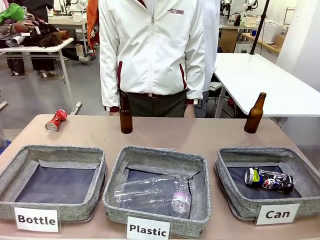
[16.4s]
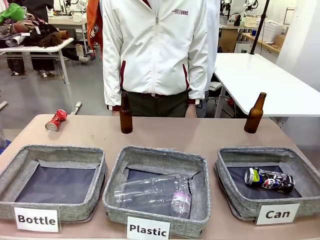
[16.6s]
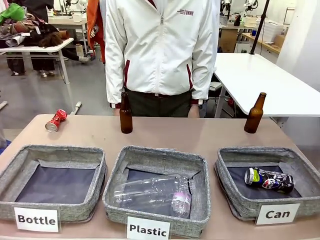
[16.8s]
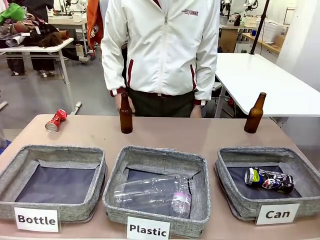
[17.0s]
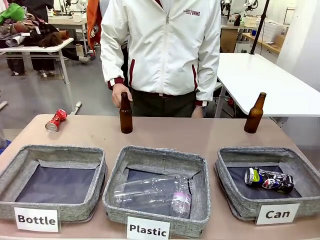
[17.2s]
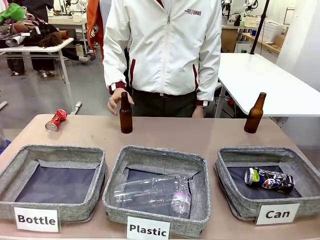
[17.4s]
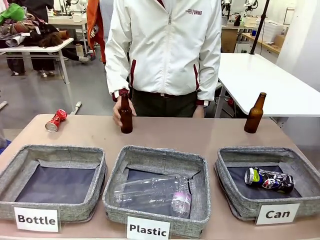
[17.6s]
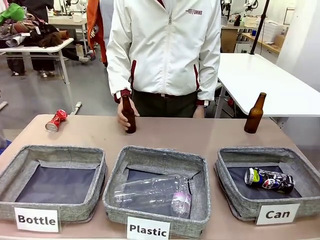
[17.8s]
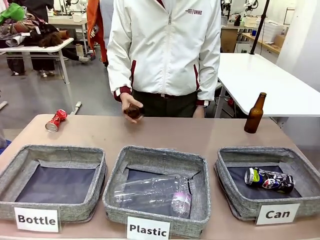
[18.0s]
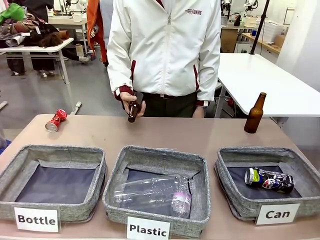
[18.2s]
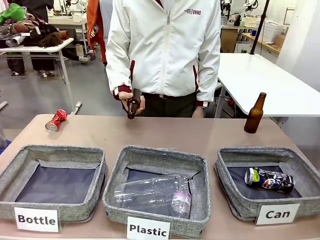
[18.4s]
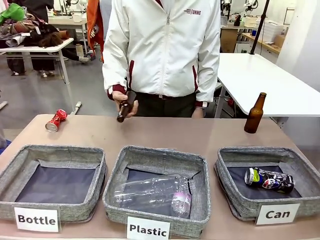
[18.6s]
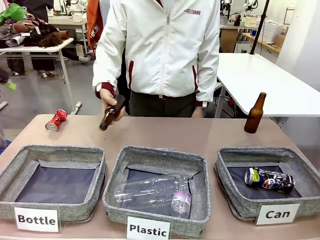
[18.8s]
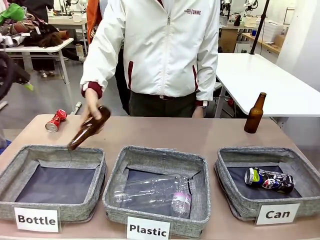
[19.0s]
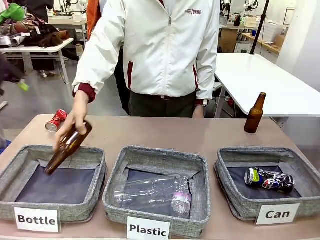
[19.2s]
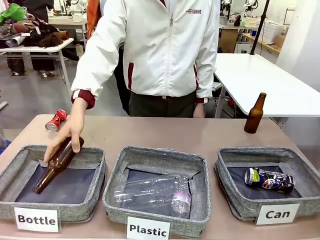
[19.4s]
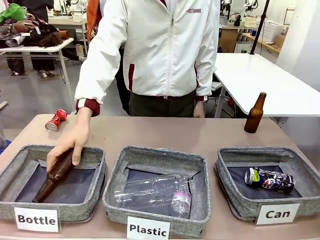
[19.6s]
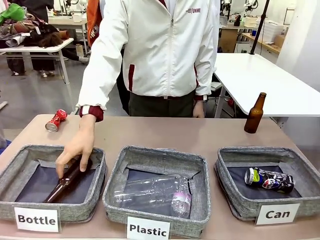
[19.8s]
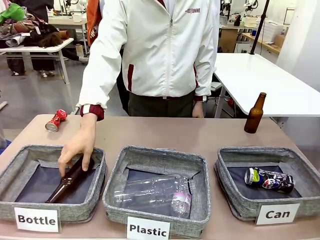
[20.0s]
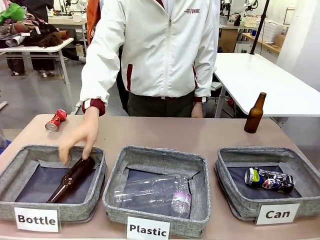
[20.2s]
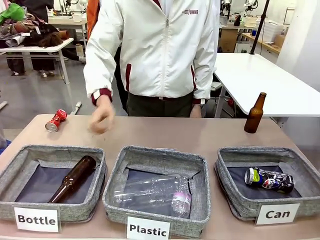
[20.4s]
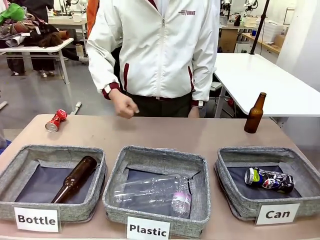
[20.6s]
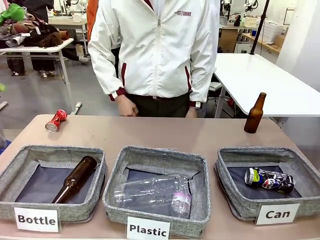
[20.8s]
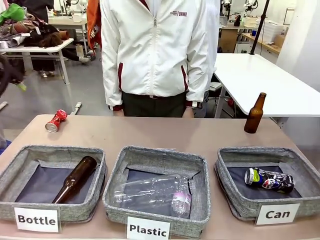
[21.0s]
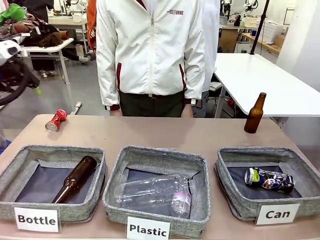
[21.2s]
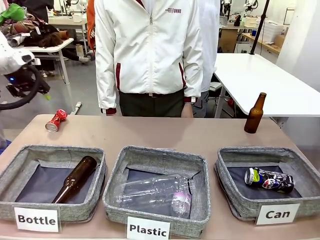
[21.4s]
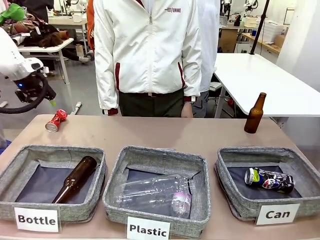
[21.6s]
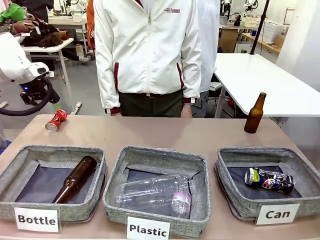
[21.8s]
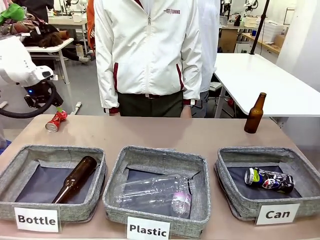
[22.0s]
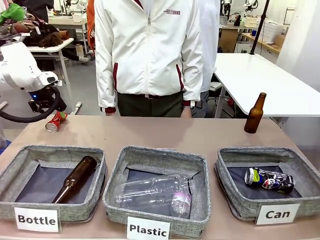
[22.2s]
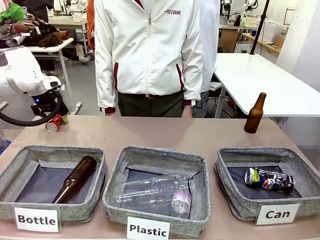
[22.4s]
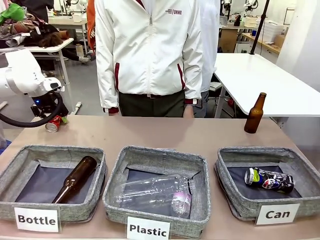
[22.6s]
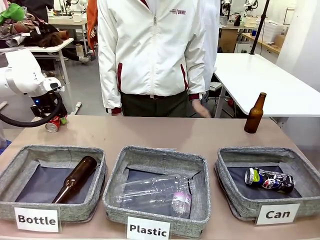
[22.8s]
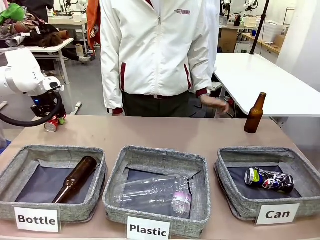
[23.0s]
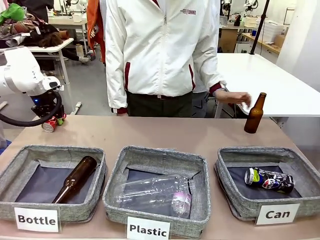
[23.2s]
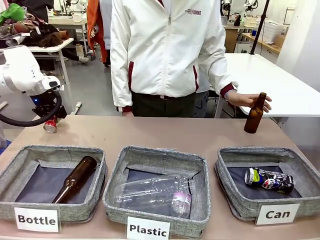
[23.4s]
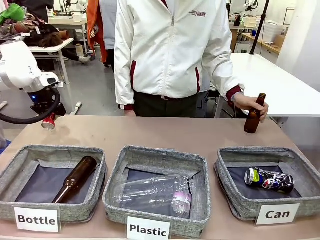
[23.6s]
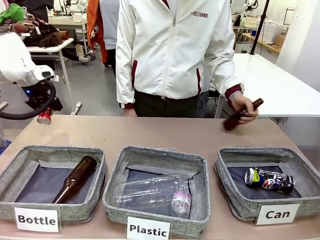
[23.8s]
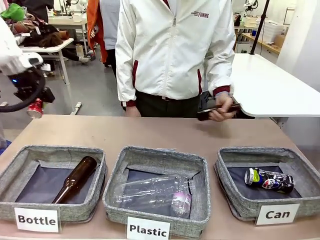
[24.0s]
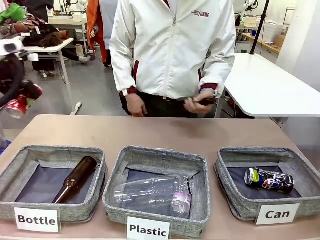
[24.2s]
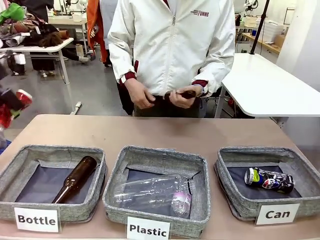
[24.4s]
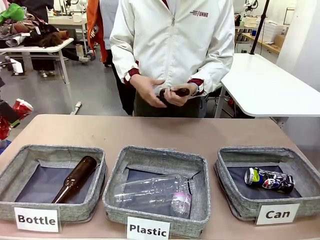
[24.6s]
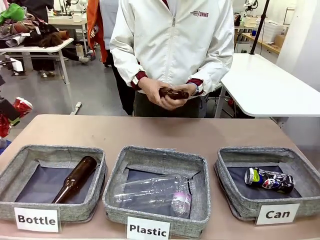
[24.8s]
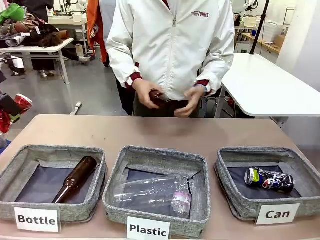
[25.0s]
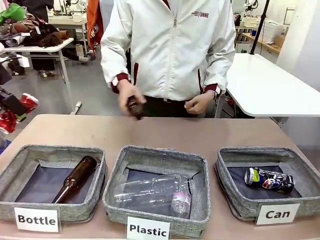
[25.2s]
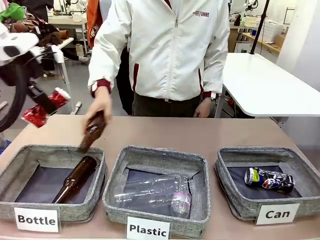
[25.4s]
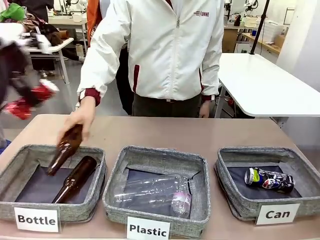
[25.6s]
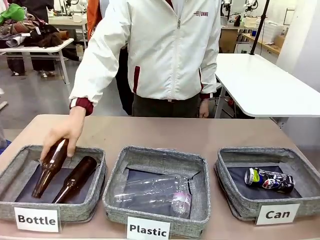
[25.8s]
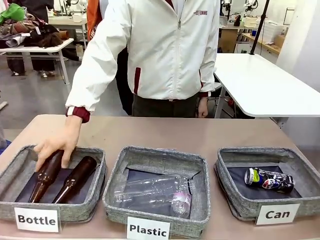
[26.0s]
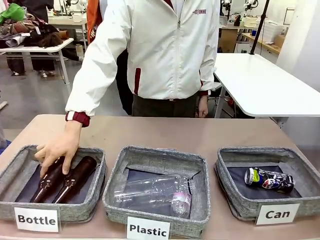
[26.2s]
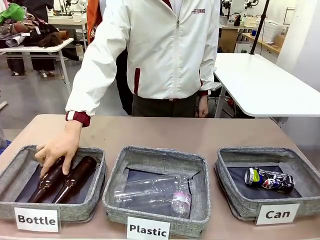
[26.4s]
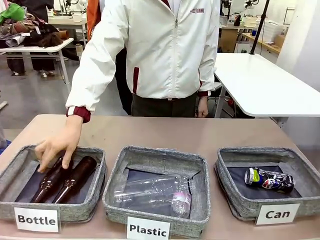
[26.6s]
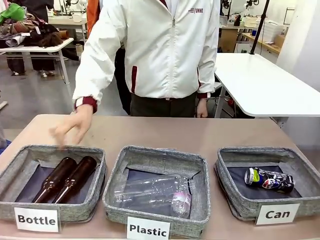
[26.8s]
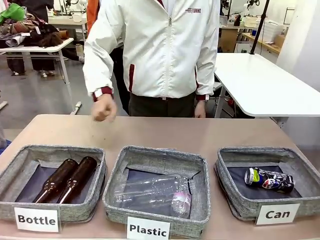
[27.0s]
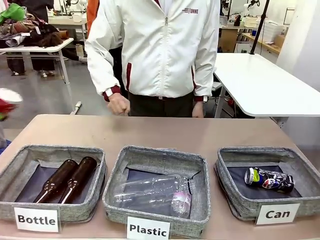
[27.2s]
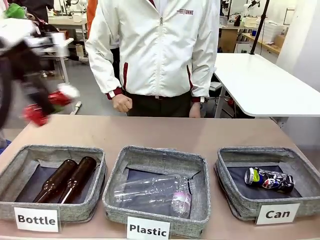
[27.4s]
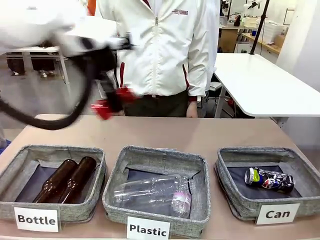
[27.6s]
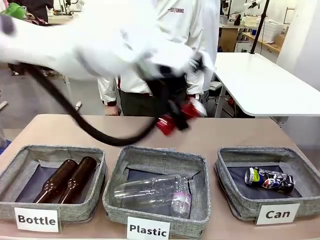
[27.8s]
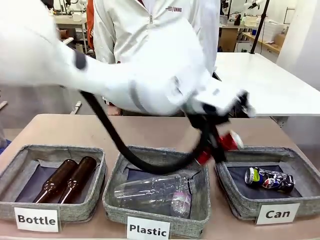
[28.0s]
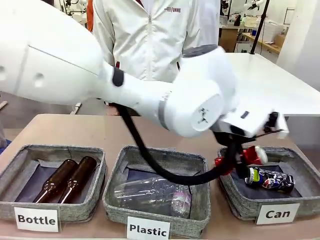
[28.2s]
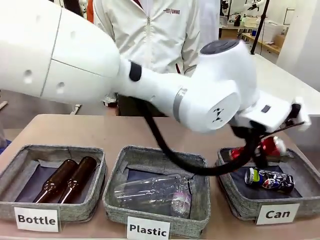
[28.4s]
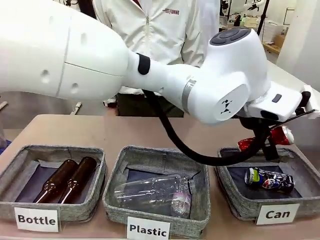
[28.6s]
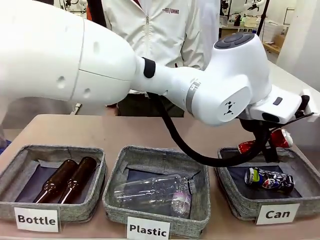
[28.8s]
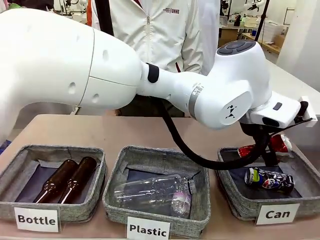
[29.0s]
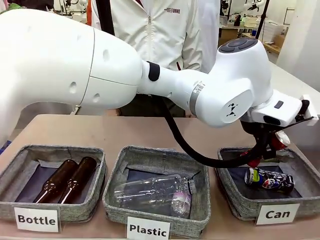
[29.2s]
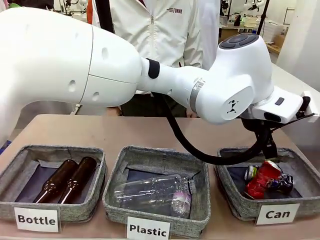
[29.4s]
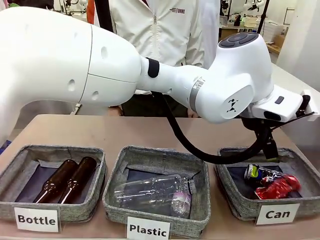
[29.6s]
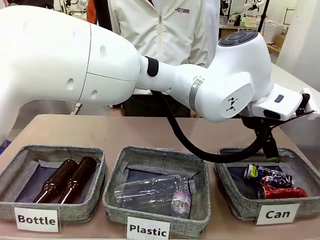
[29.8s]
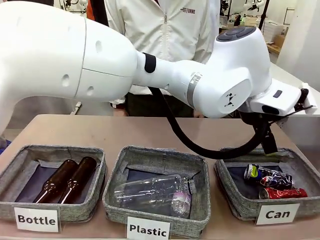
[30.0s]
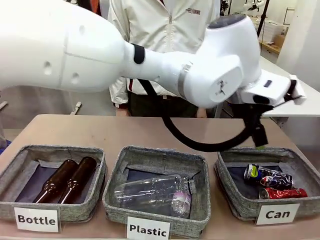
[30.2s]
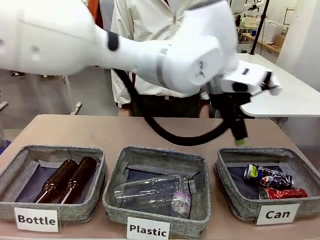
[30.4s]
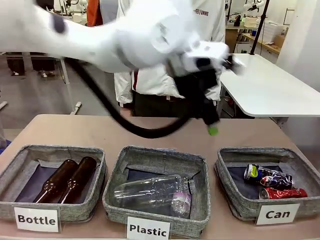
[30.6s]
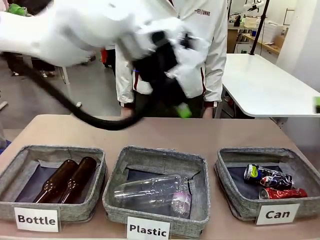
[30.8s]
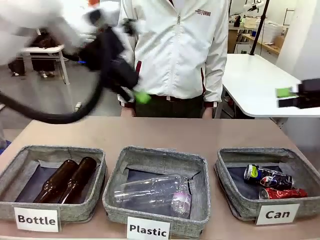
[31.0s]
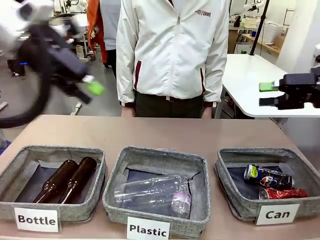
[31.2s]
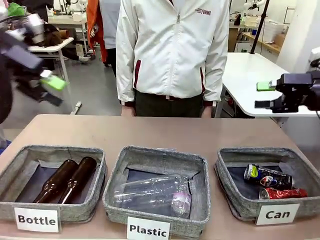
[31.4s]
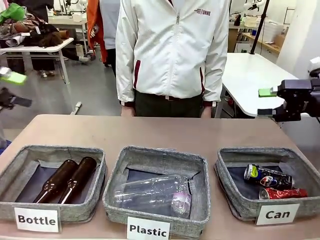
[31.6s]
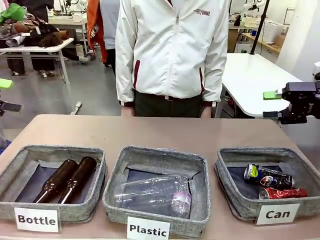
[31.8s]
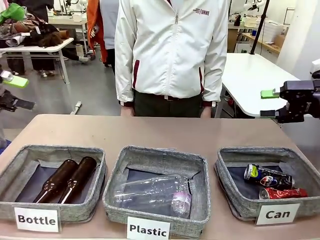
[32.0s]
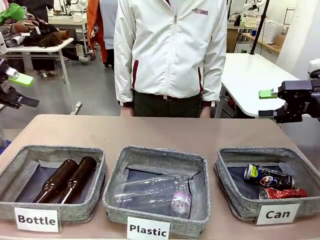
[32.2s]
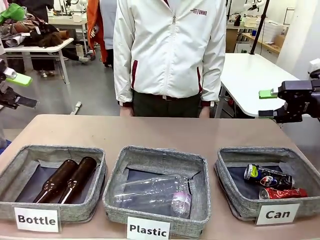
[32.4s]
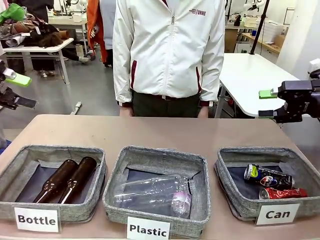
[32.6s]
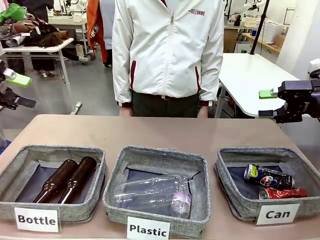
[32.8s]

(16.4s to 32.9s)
Task: Sort the can waste into the basket.
Robot: Pick up the can waste from the table and place it in the right Fabric basket.
Person: The human picks up one piece of trash that is not a can and places the trash into the appropriate organizing basket.
